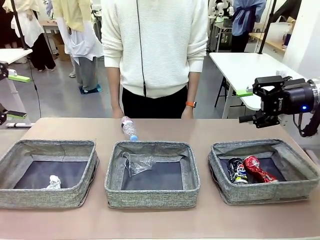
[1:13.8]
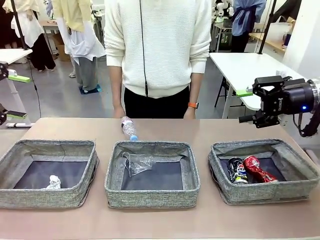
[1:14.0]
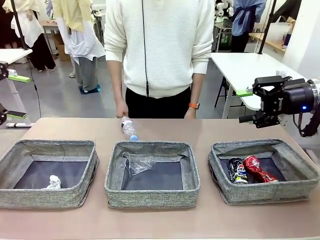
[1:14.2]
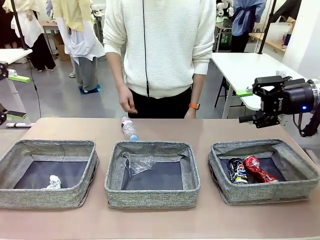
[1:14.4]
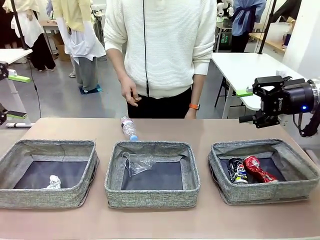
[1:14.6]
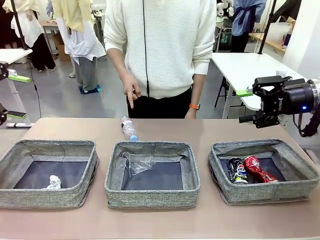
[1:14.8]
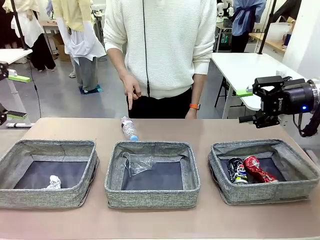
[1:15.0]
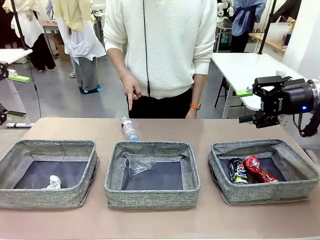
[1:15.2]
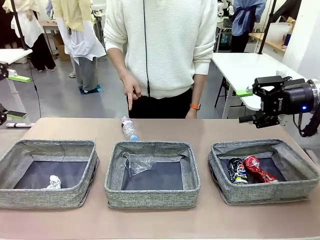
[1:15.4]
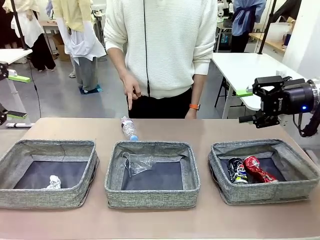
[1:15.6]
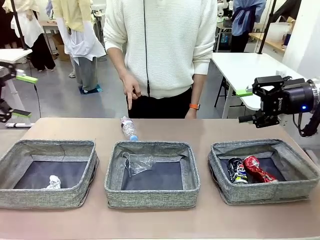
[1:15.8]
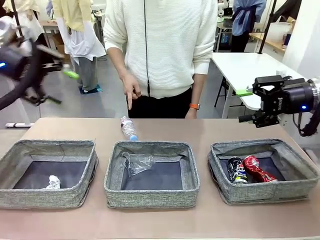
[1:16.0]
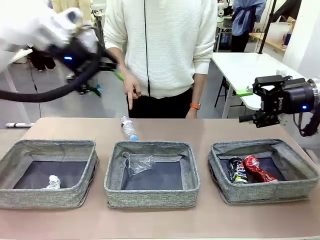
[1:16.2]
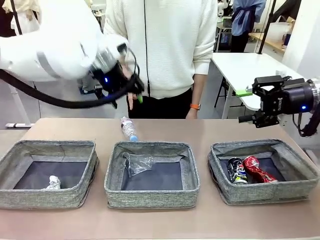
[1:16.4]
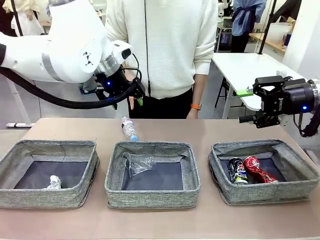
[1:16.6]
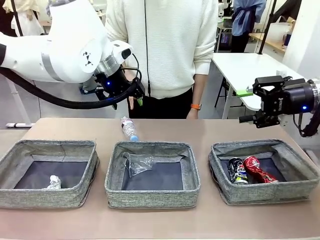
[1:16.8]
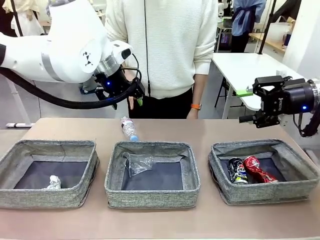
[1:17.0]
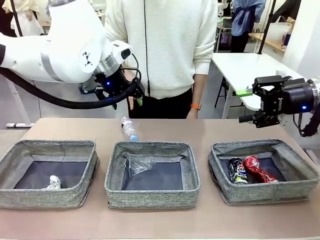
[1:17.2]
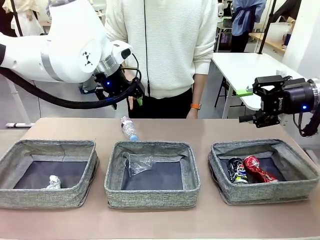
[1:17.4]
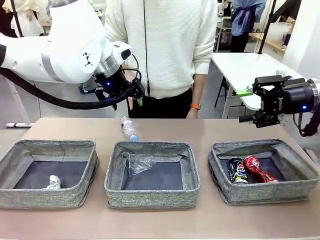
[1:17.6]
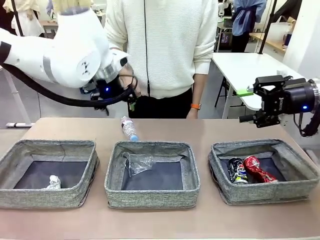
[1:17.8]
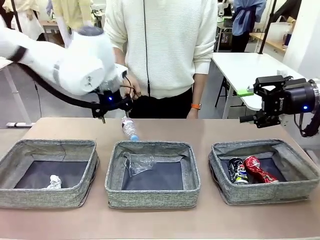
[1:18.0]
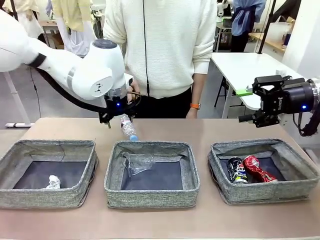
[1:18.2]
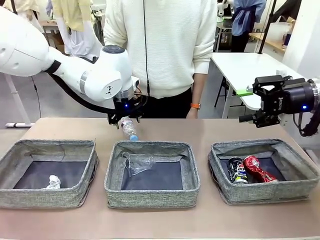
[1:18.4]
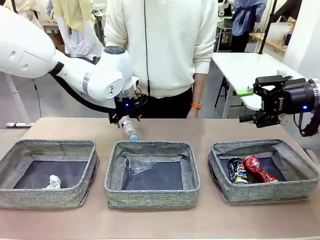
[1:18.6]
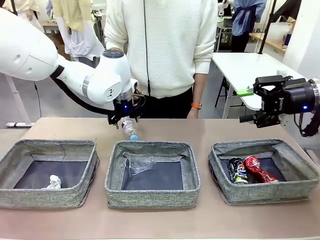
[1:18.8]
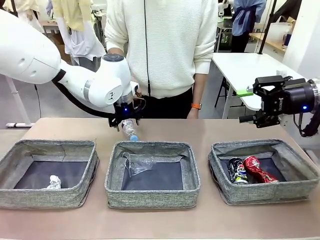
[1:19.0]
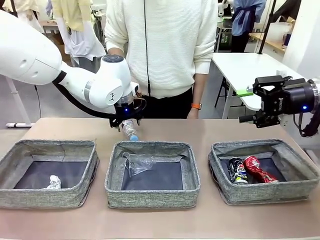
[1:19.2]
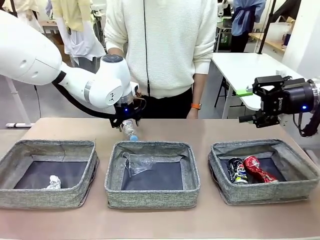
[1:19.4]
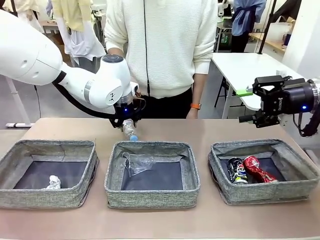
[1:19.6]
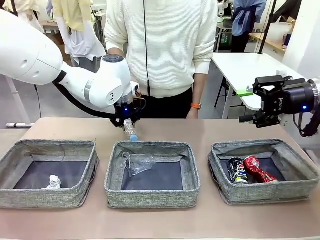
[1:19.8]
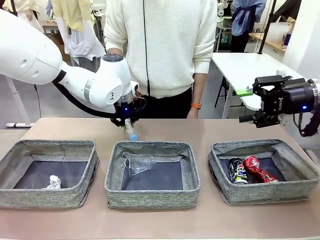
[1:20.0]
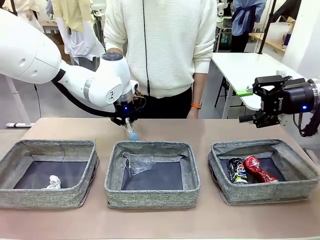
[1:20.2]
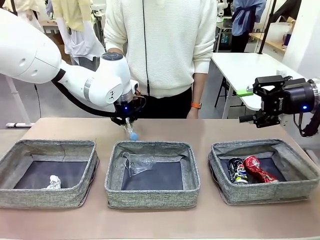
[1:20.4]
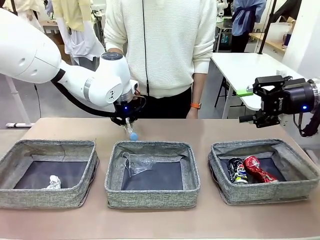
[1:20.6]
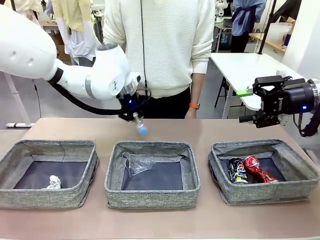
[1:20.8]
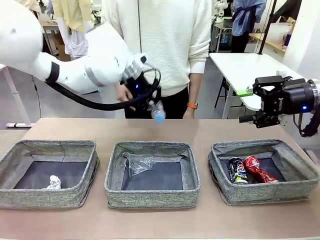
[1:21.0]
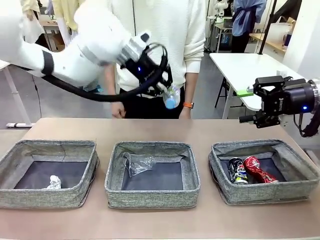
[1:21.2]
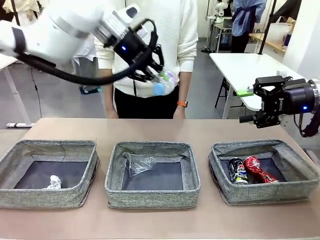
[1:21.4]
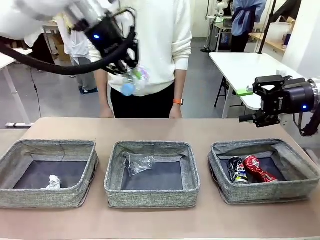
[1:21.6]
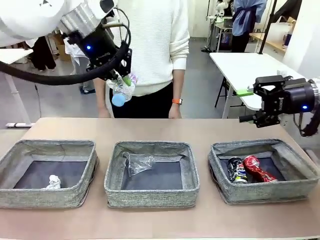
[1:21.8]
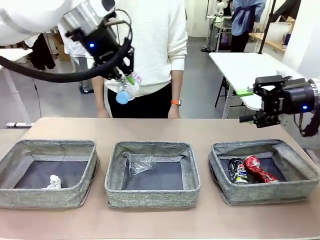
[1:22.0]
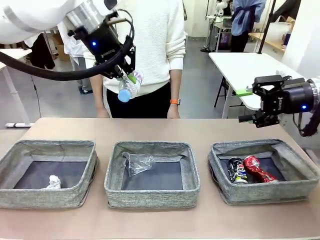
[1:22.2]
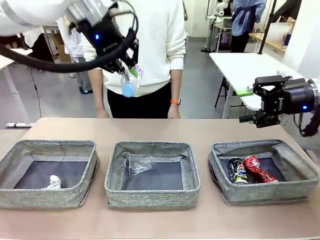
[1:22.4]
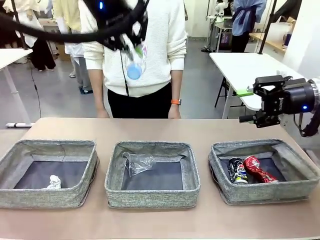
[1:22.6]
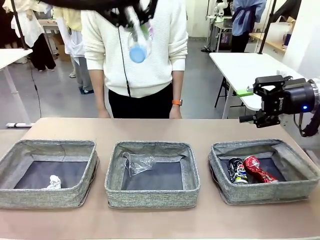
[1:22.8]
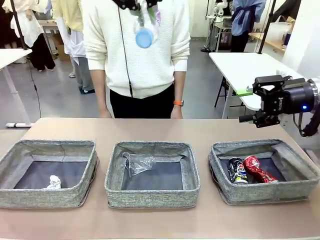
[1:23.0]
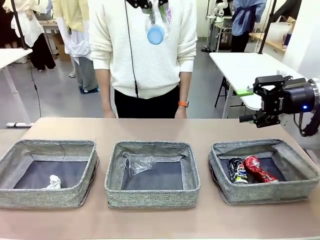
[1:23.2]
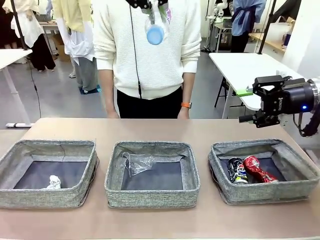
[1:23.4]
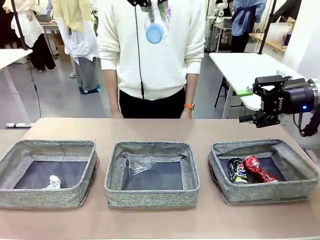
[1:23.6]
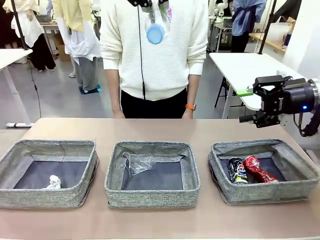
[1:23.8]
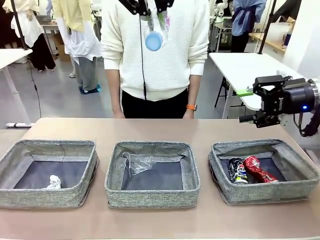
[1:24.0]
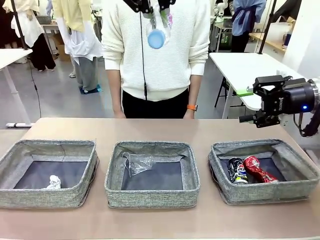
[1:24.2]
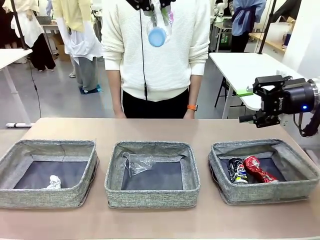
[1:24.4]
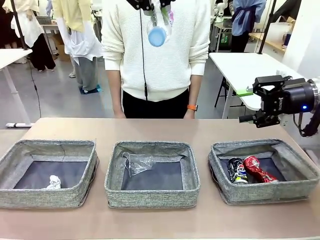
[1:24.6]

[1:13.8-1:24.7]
Task: Sort the waste into the appropriate baskets.
Robot: Pick up the waste item pointed out by the person.
Person: Points to one piece of trash on the table.

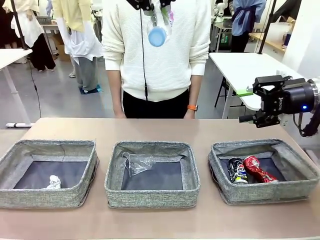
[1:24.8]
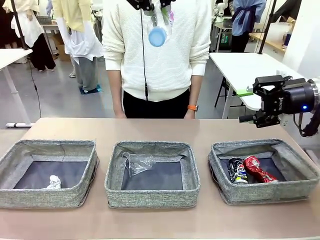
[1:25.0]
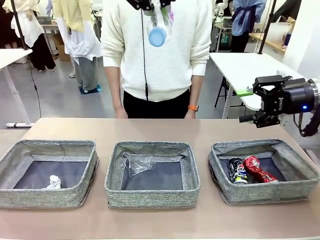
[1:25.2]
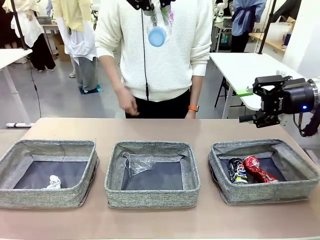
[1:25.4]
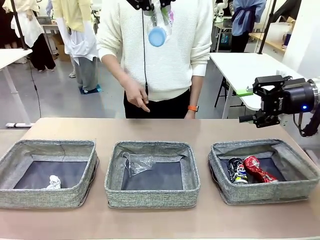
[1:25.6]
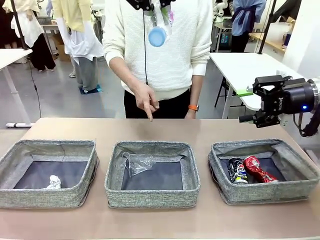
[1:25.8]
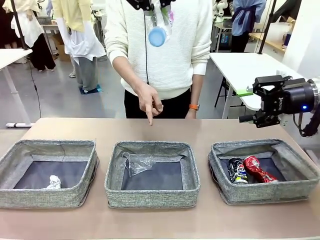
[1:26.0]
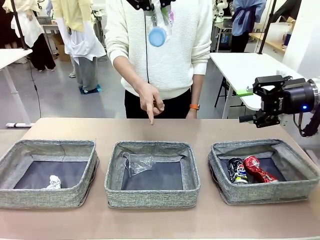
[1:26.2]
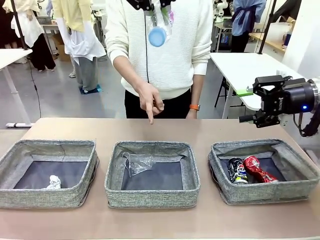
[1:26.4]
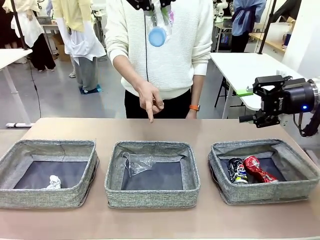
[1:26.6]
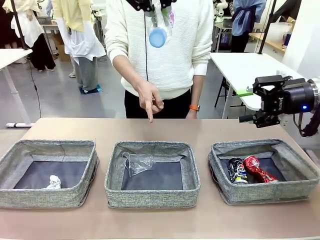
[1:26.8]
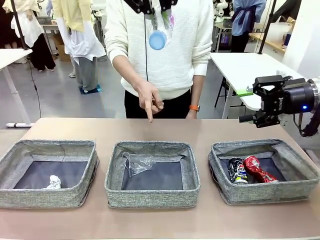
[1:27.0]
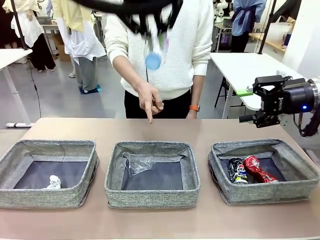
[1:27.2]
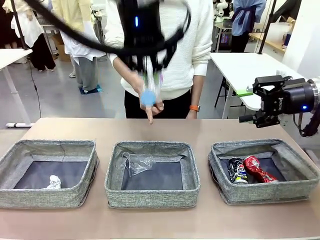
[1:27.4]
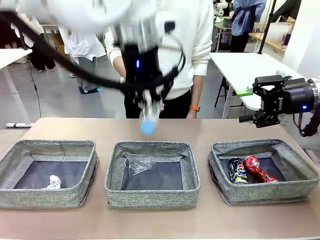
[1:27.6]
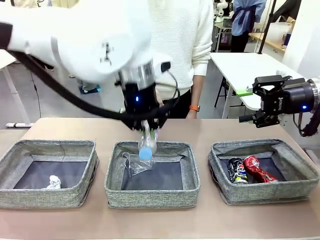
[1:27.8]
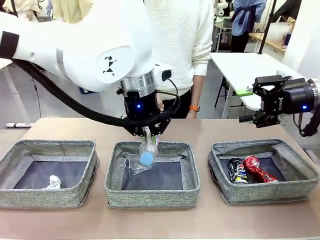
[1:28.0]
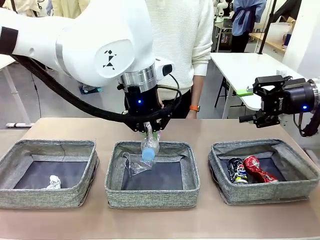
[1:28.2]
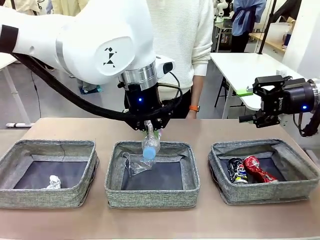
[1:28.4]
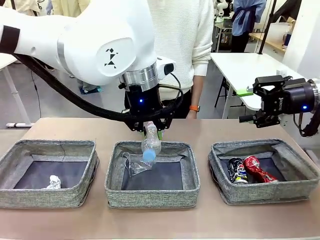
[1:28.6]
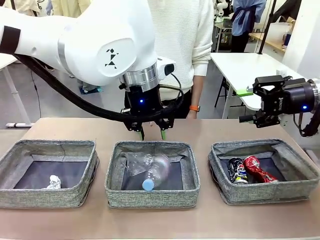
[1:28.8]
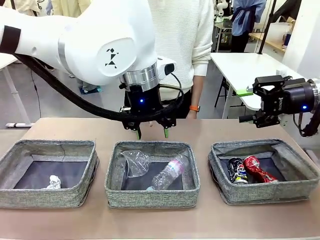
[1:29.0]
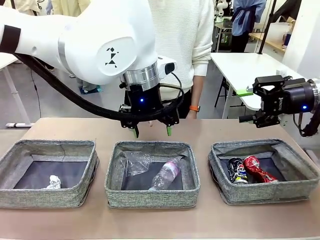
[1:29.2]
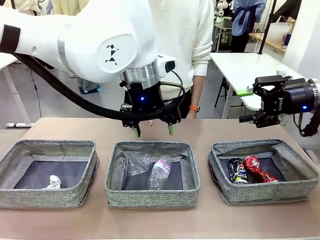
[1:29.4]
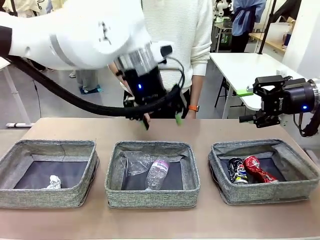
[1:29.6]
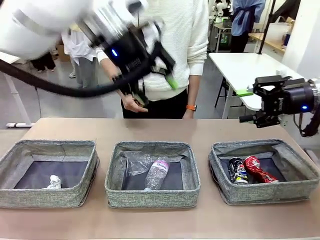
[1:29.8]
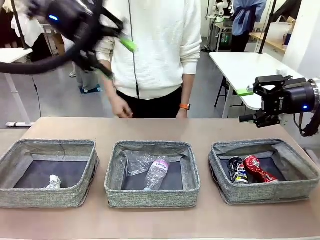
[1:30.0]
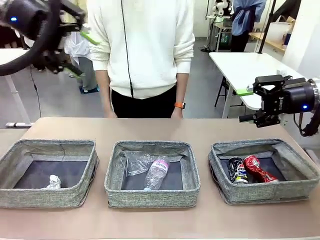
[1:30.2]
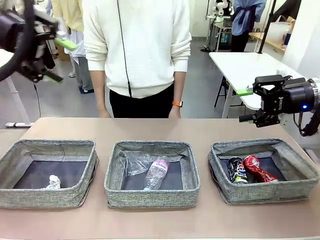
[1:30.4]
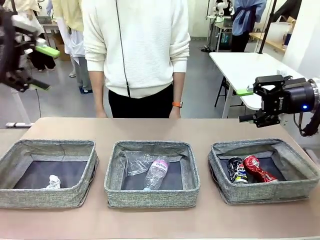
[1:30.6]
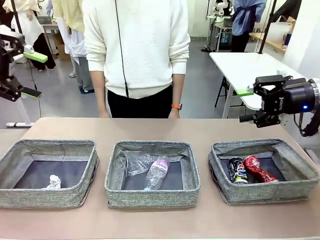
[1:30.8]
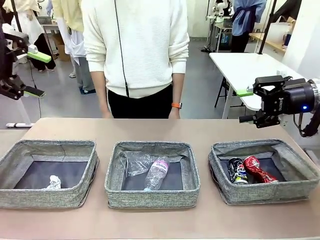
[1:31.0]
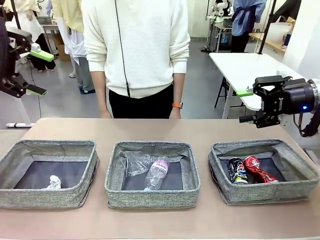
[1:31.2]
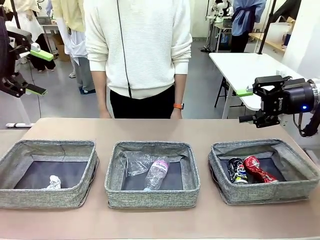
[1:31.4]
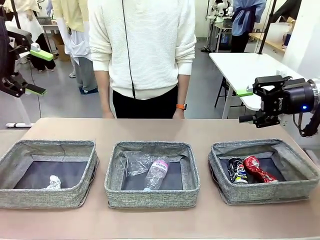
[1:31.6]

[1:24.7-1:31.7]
Robot: Place the picked waste into the Fabric basket indicated by the person.
Person: Instructs the robot to place the picked-up trash into the appropriate organizing basket.
